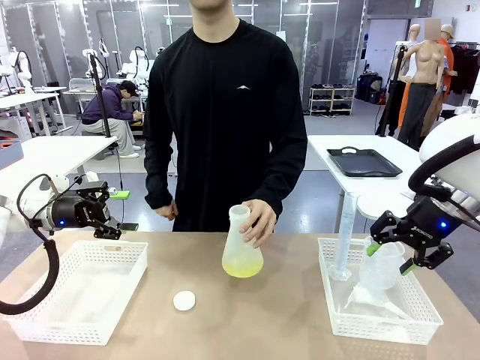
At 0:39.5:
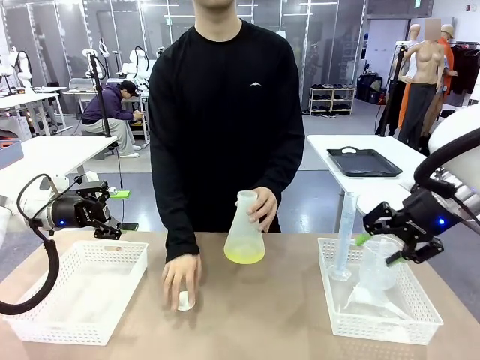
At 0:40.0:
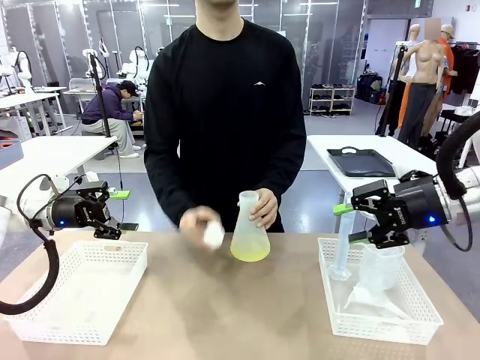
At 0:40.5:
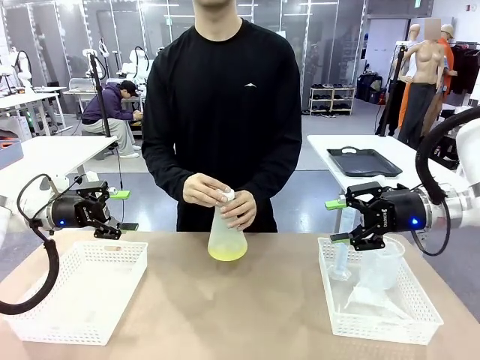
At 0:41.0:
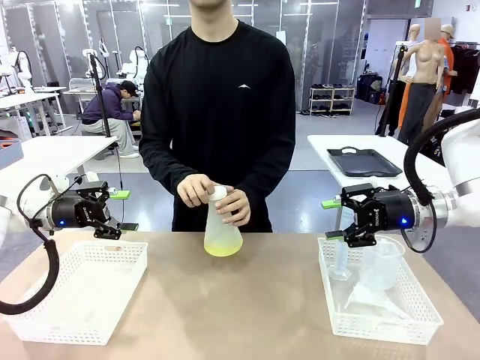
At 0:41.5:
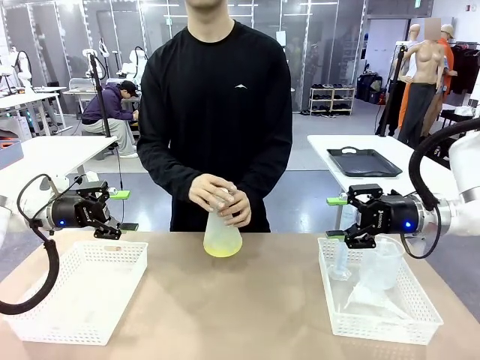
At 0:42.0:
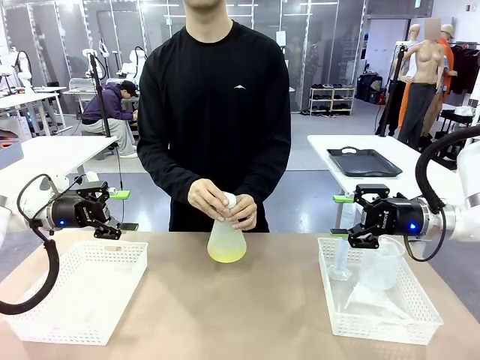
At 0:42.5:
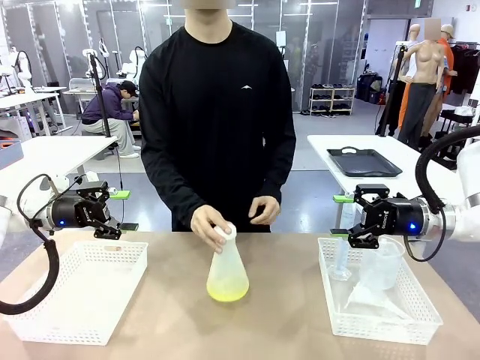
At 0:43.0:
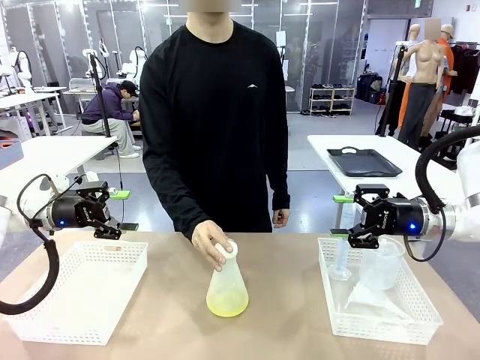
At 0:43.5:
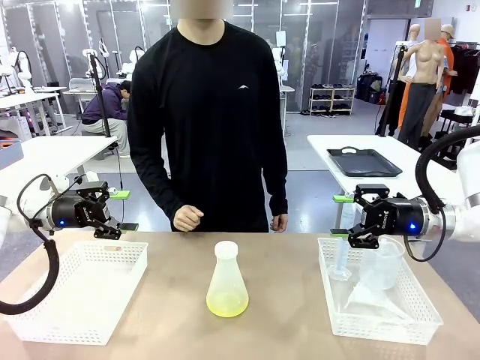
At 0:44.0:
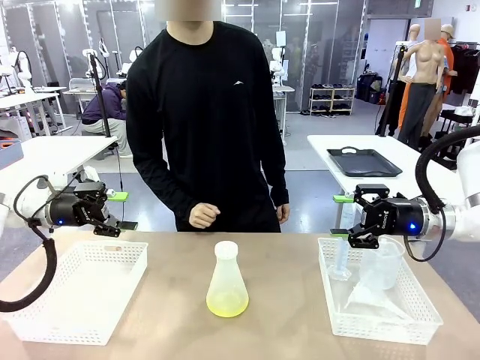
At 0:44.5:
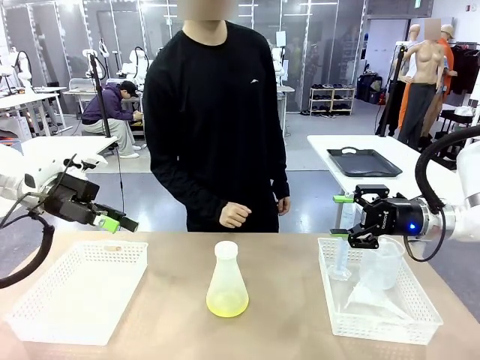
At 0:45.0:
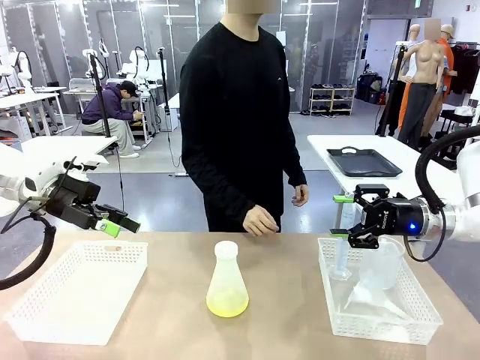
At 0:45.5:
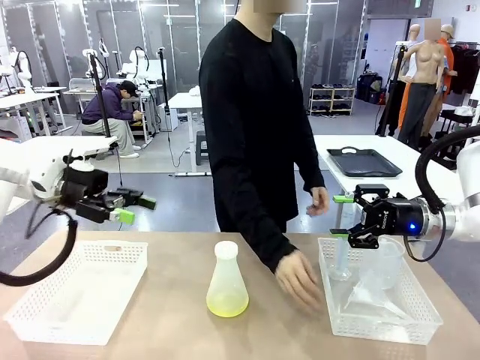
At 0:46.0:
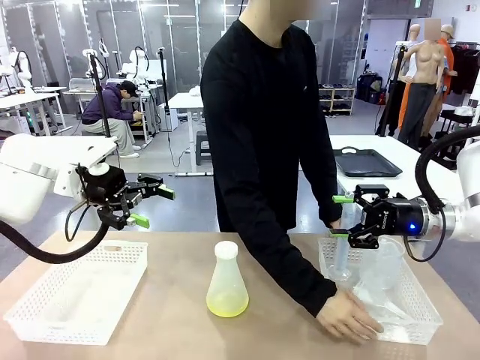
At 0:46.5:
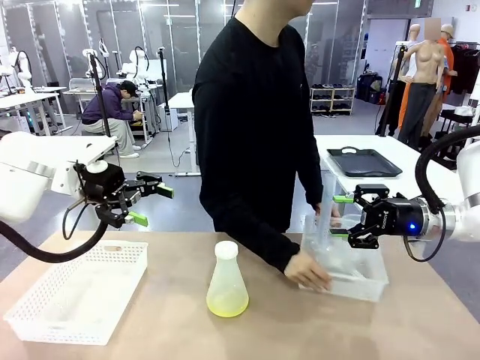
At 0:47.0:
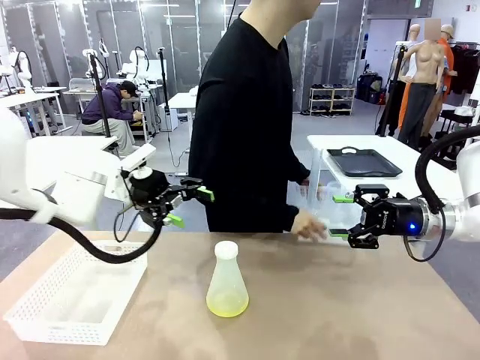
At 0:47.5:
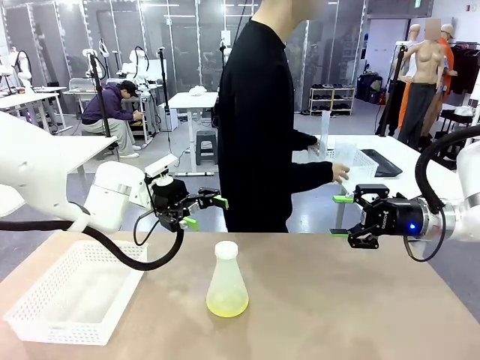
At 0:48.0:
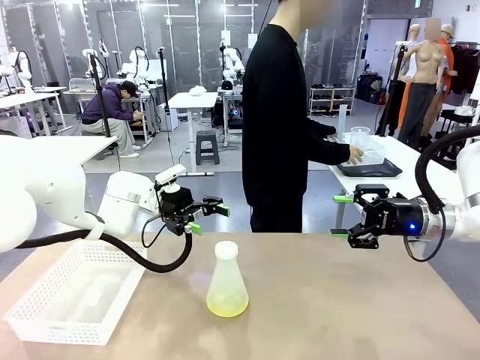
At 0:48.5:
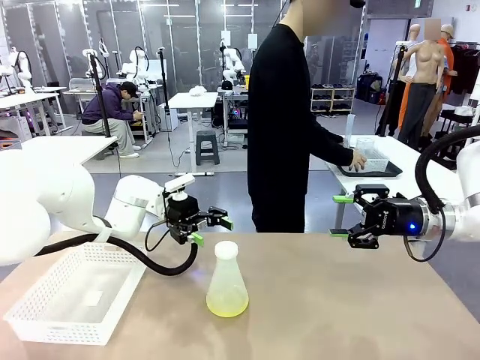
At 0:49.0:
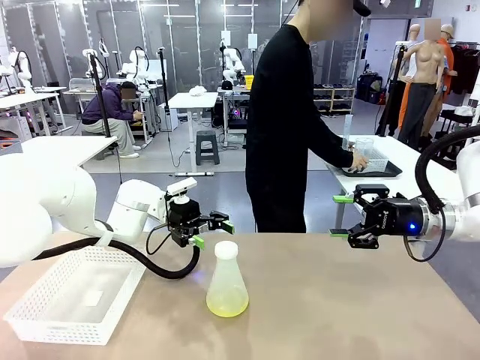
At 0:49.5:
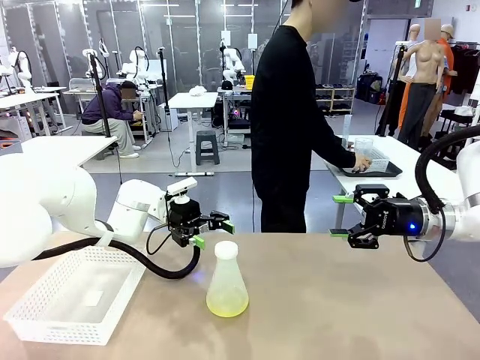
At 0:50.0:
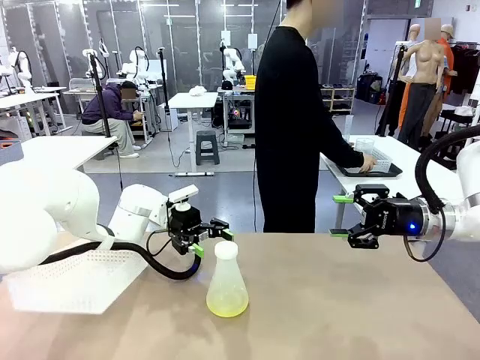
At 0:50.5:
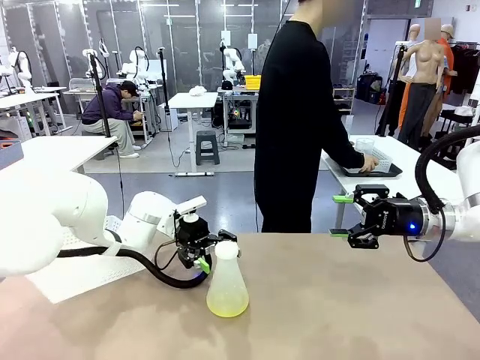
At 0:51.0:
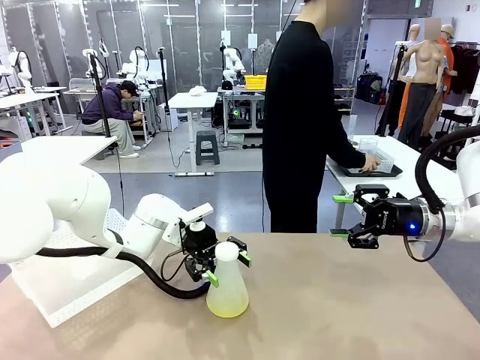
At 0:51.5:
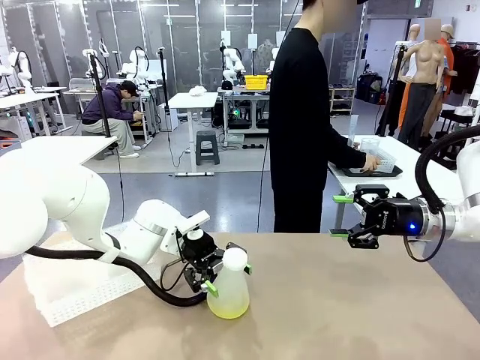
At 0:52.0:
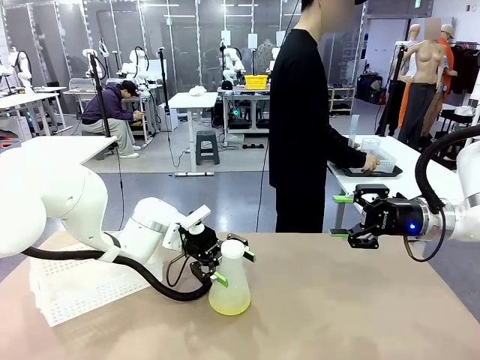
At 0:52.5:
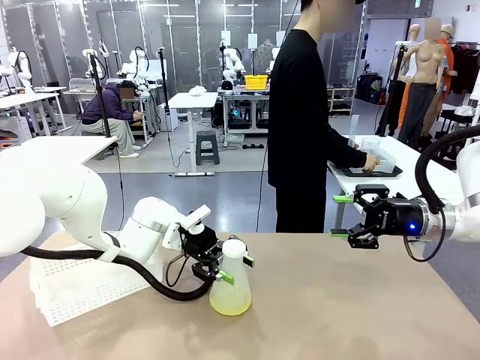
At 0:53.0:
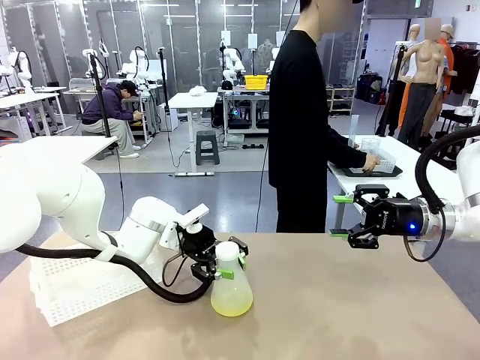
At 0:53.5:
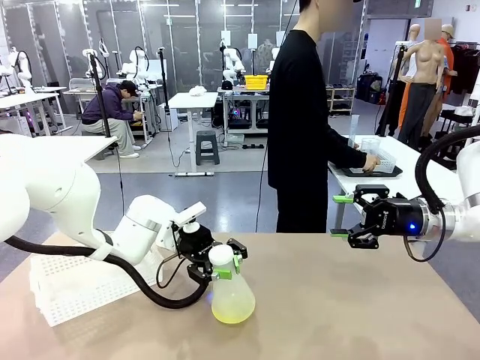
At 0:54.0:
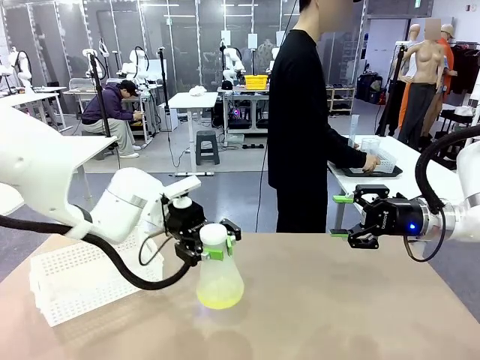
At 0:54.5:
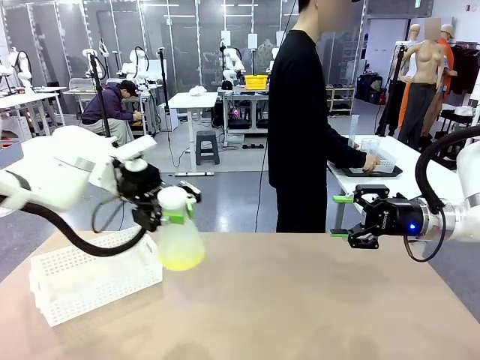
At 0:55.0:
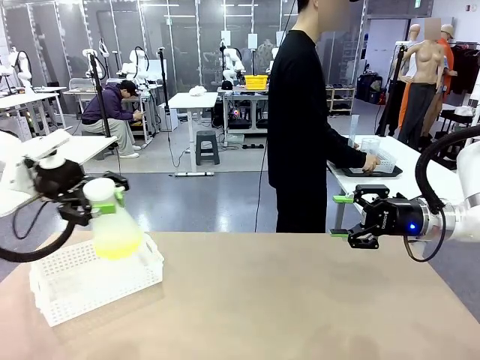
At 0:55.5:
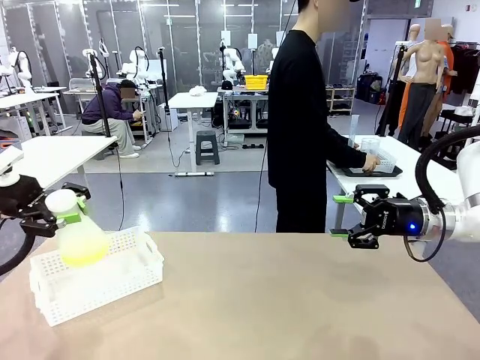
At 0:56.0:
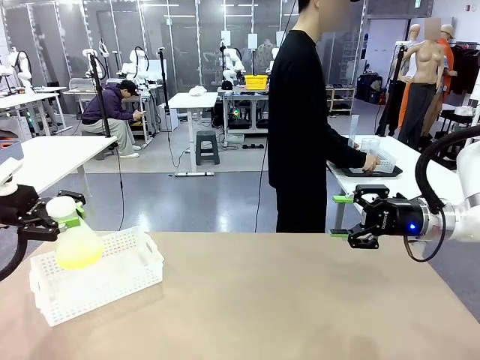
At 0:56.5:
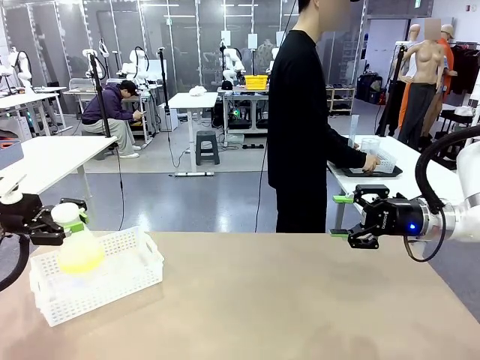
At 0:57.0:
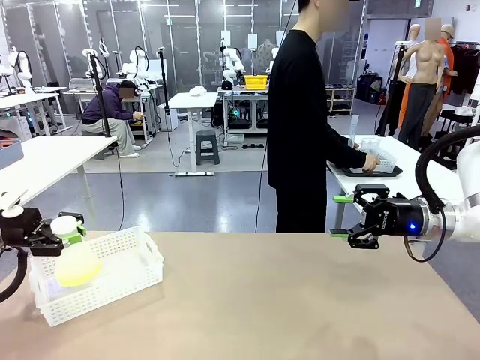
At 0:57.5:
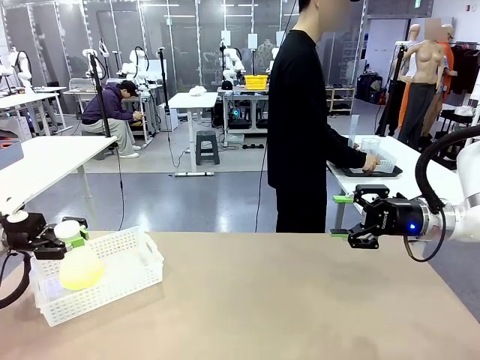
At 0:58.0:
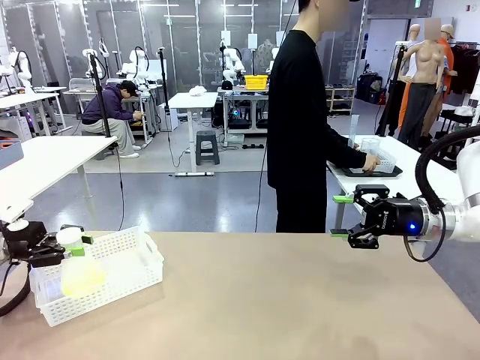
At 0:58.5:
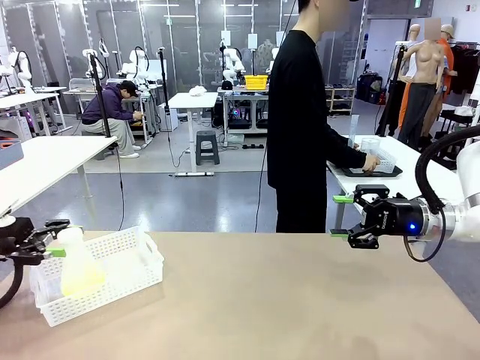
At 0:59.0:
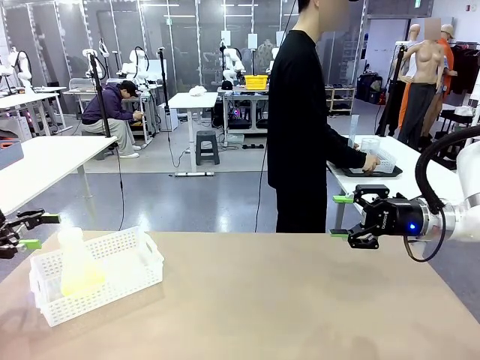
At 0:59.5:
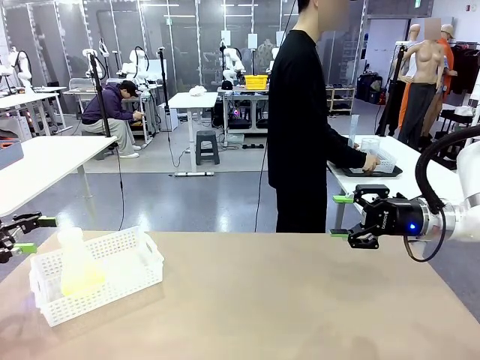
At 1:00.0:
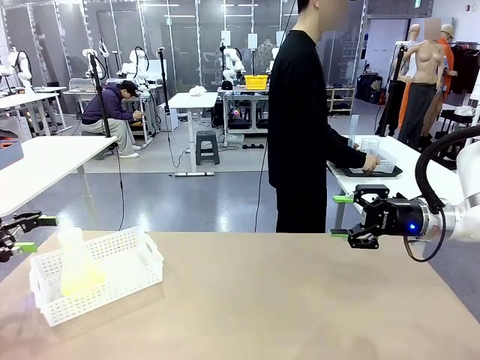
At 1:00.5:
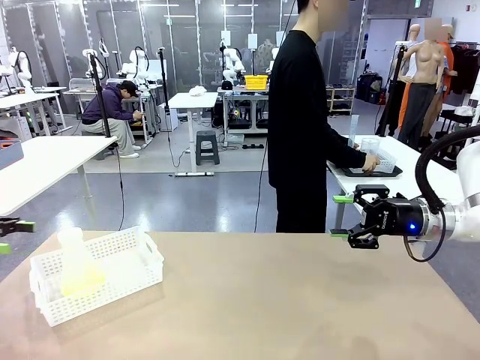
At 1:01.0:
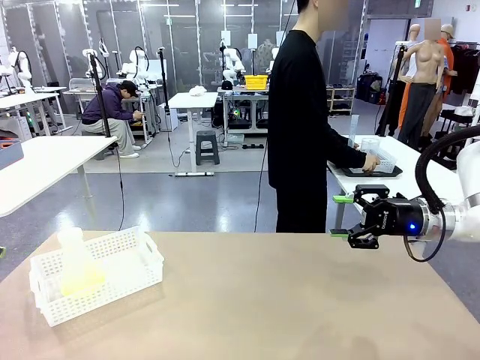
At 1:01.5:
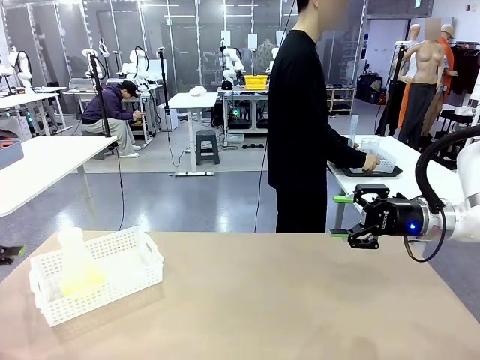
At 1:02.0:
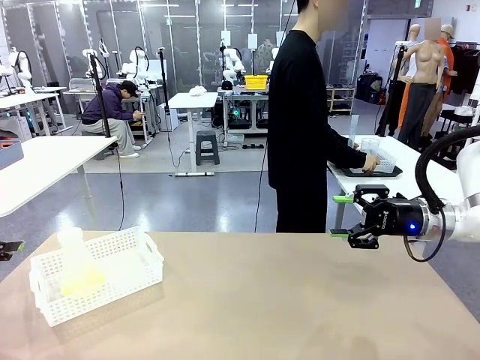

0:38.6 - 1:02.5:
Task: Prepare the solutions needed for the experiment.
Robot: When the human places the Big flask in the center of the table, pick up the Big flask and place it in the left Organizing basket.
Person: Pick up the organizing basket on the left side of the robot table and place it on the left side of the human table.
